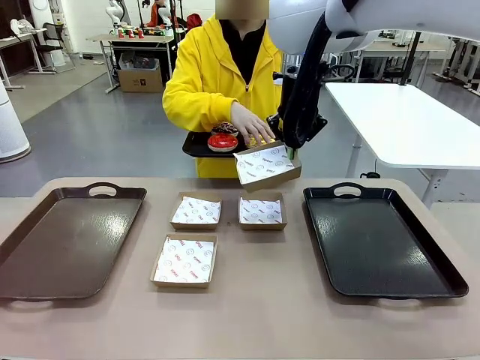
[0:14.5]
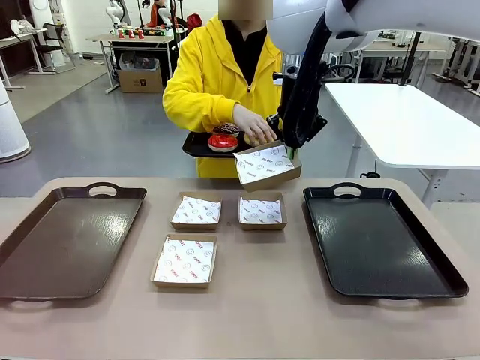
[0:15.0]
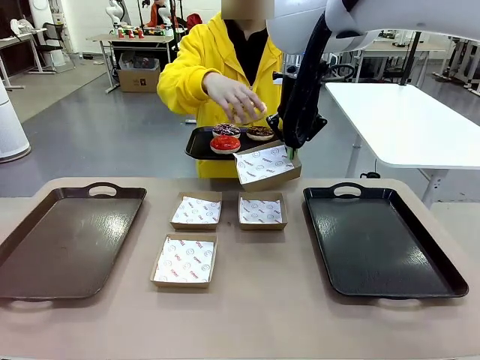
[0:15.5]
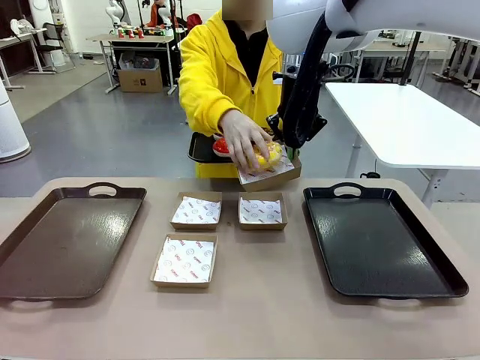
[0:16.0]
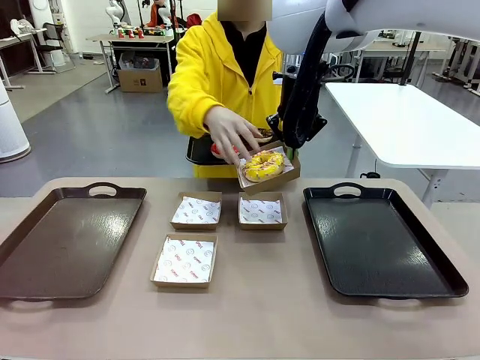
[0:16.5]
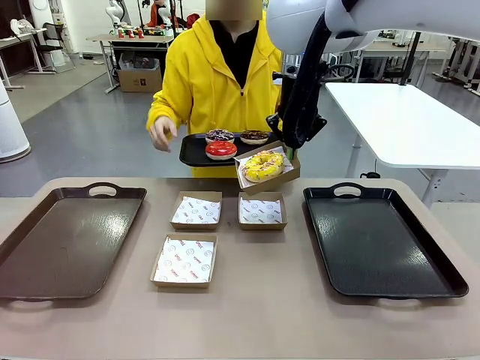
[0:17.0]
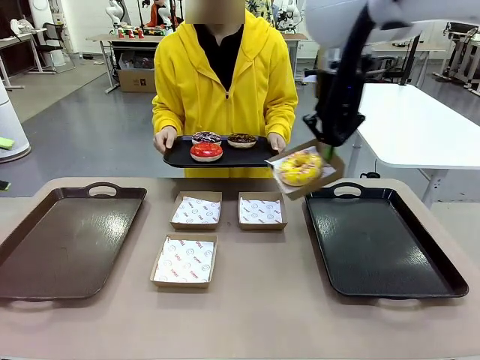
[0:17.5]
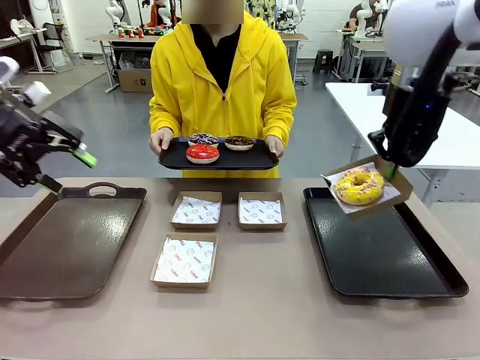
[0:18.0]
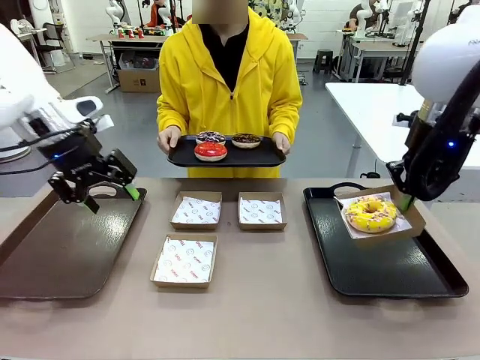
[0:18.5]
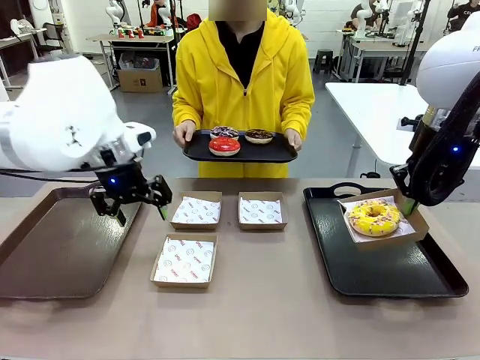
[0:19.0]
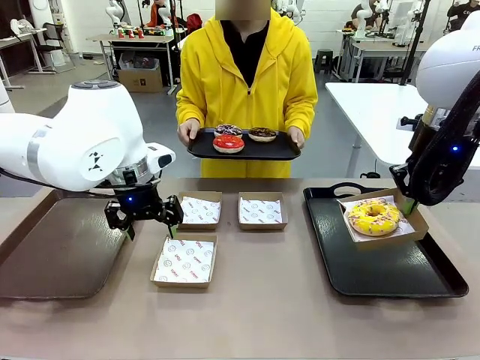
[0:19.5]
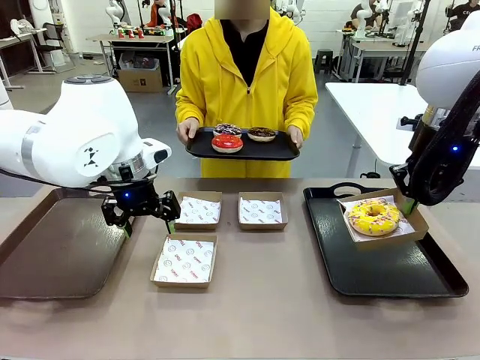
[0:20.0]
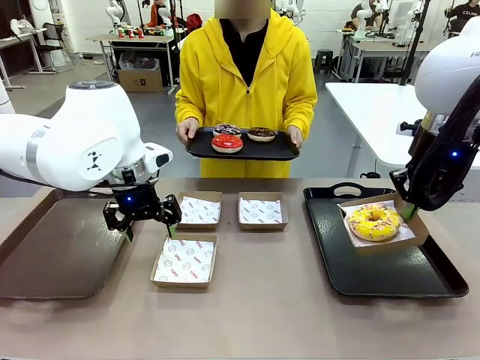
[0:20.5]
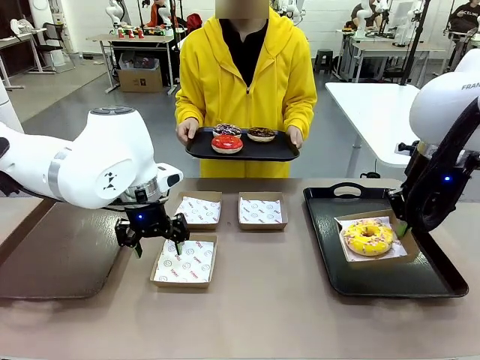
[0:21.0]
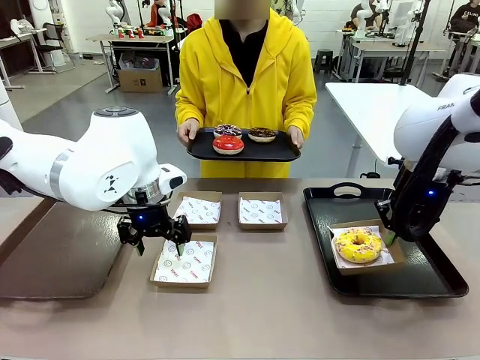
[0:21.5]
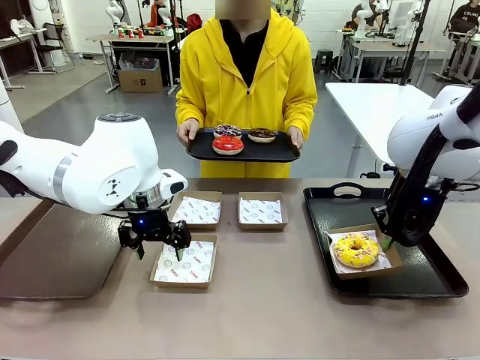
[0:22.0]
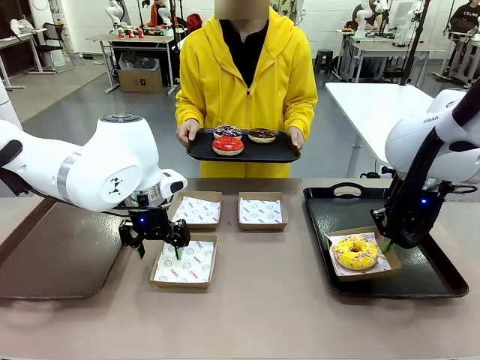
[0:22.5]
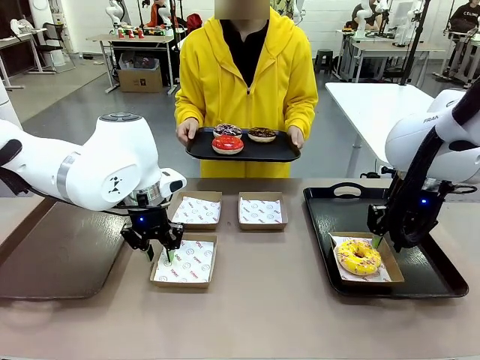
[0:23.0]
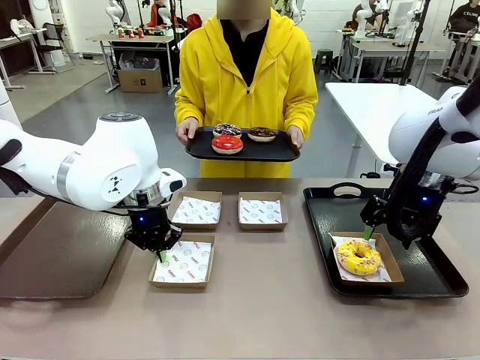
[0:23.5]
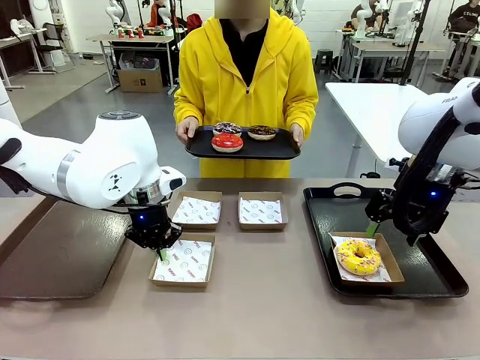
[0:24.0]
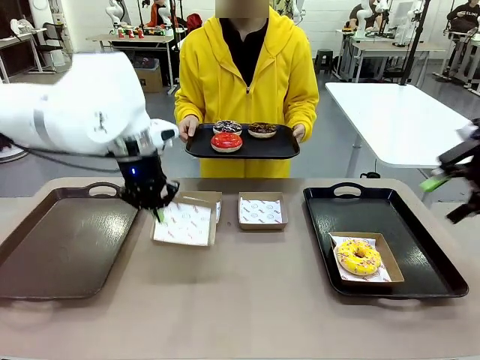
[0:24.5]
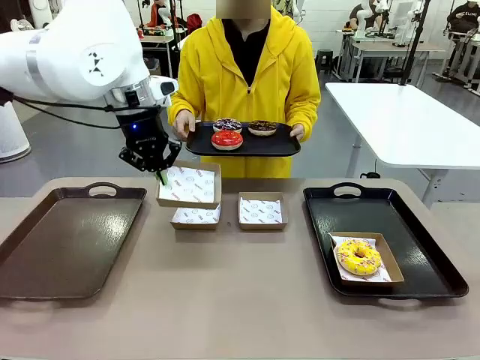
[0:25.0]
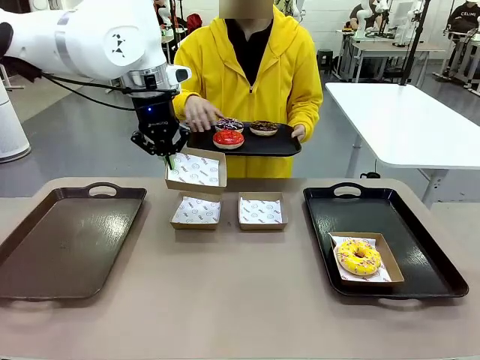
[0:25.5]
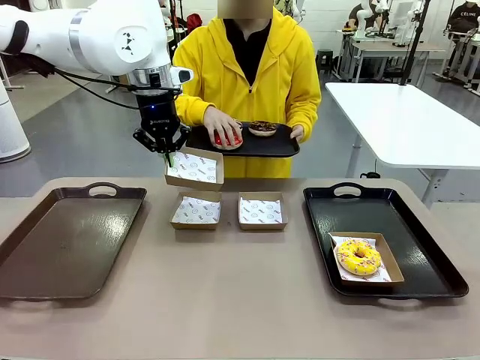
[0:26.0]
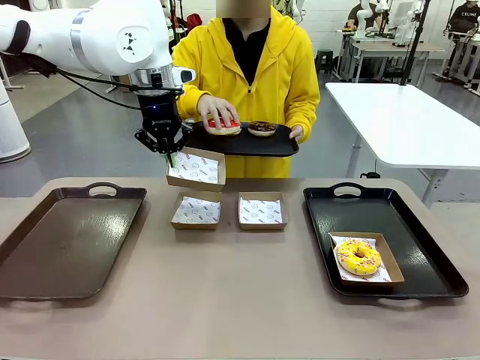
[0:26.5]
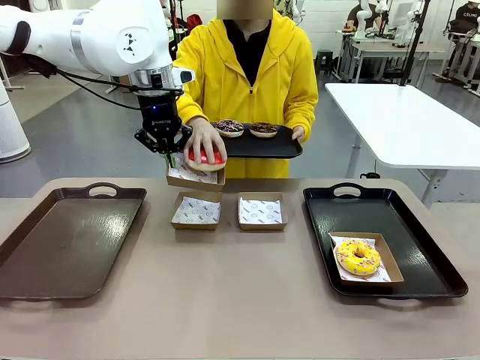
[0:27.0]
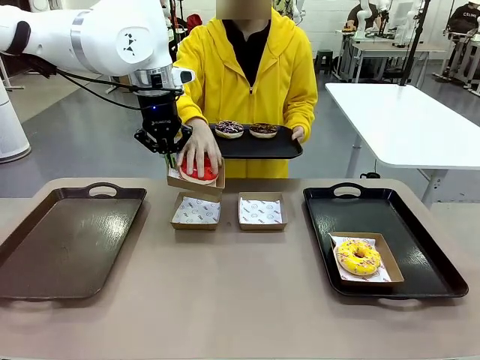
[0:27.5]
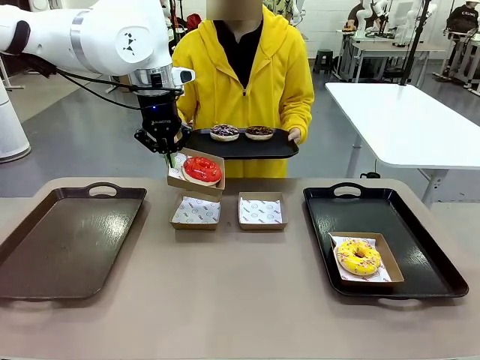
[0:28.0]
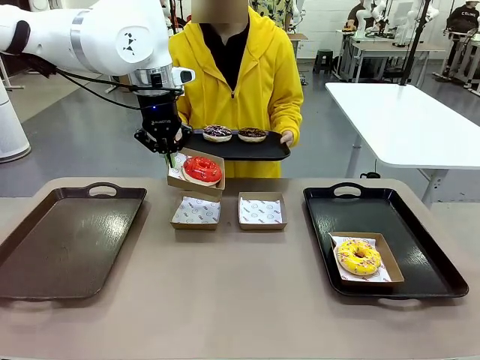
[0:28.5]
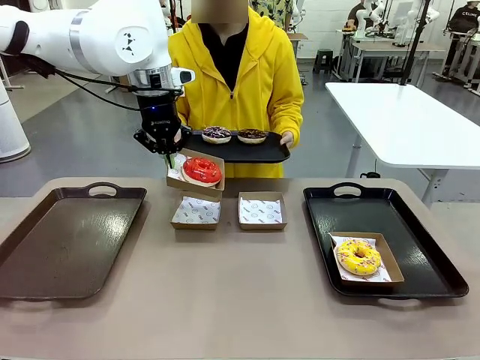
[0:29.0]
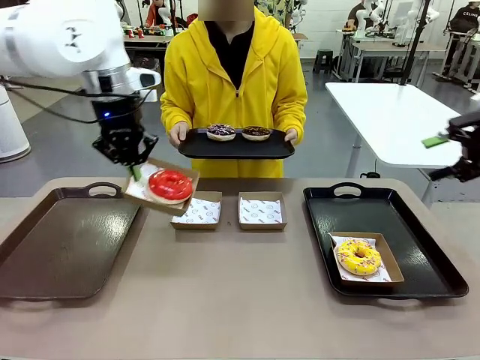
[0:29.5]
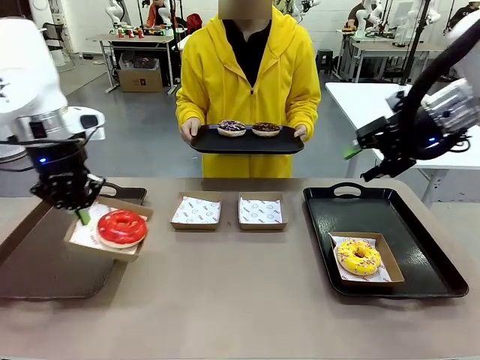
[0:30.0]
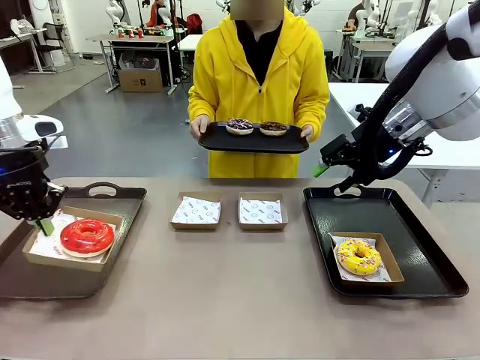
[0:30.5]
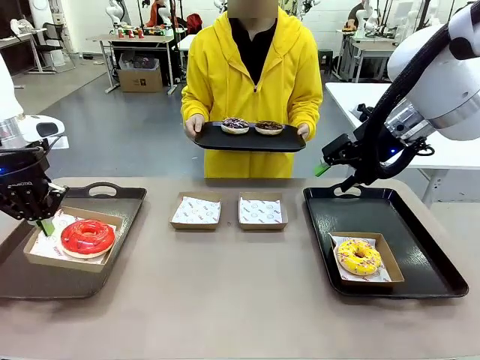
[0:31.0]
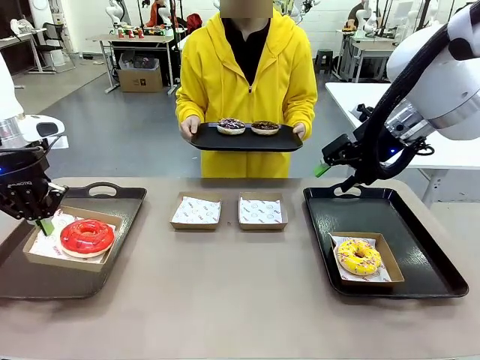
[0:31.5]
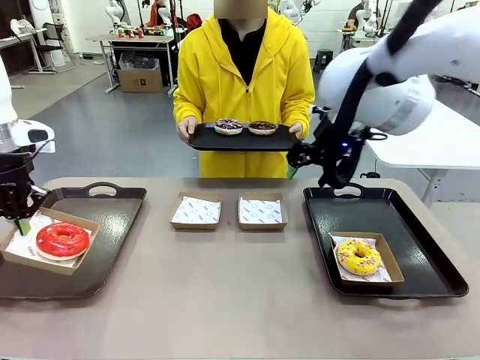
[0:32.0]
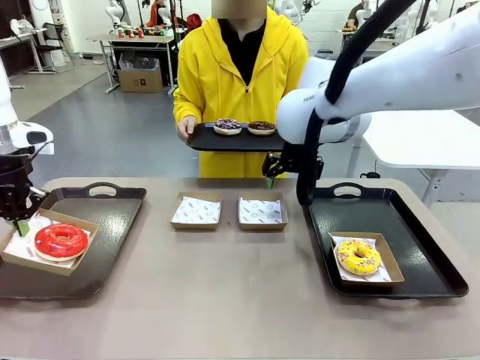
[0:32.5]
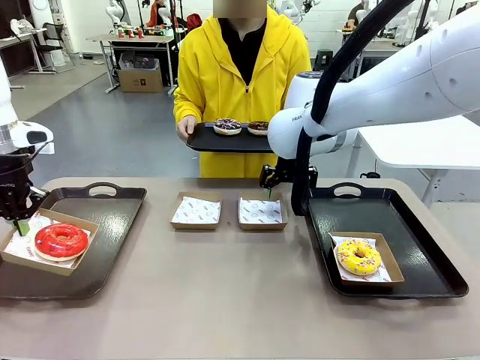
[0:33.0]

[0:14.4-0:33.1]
Task: Individually package the donuts and arrange them on the tray.
Robot: Place the picked Paper togo box on the Handle tray while simultaneously picking up another Paper togo box from the table with the other hand.

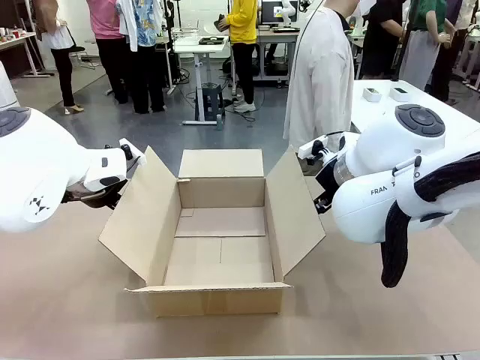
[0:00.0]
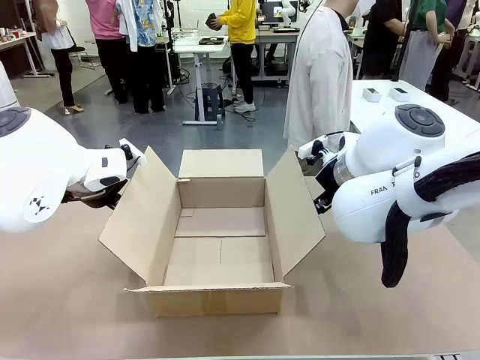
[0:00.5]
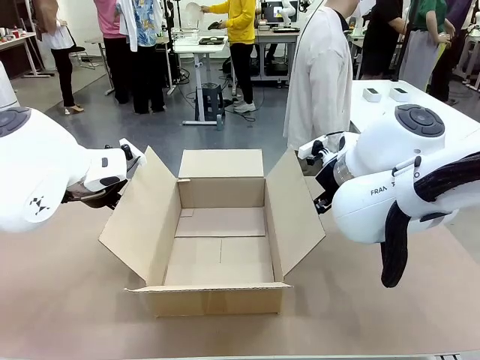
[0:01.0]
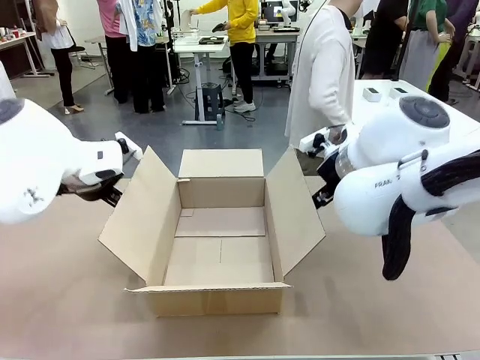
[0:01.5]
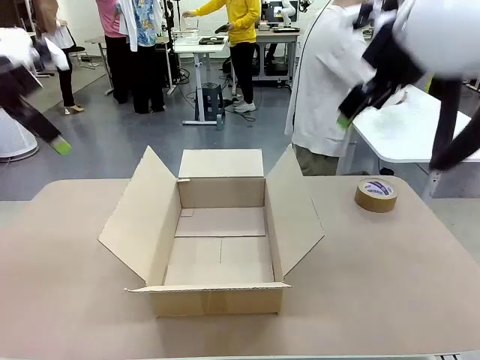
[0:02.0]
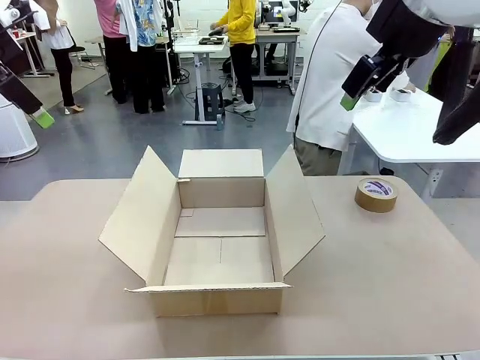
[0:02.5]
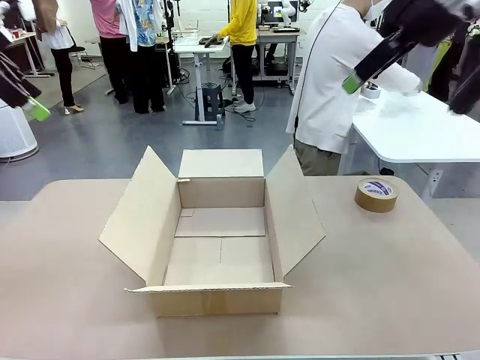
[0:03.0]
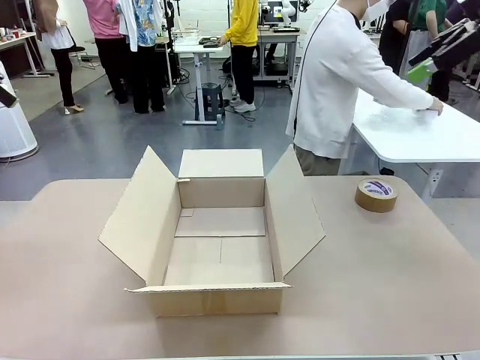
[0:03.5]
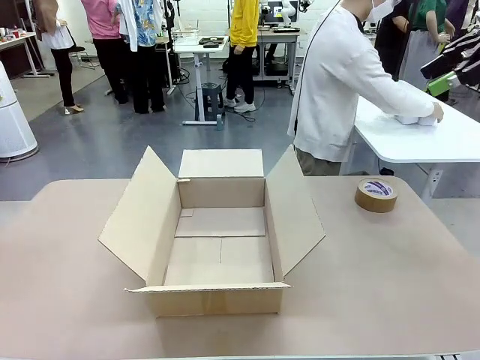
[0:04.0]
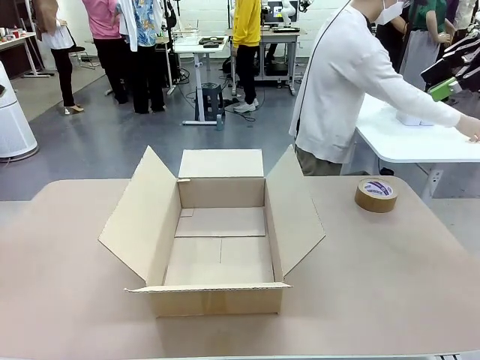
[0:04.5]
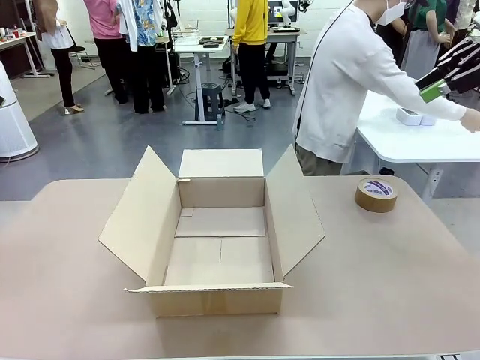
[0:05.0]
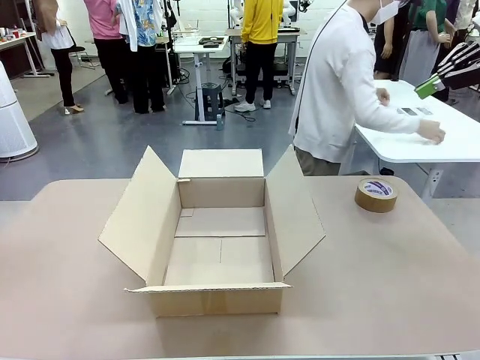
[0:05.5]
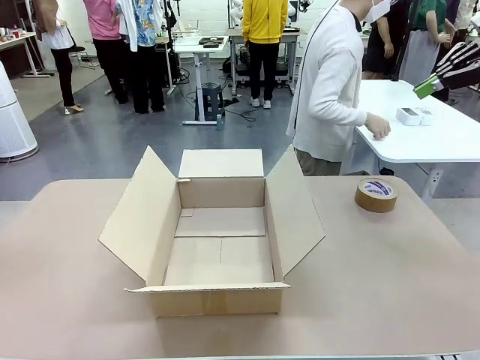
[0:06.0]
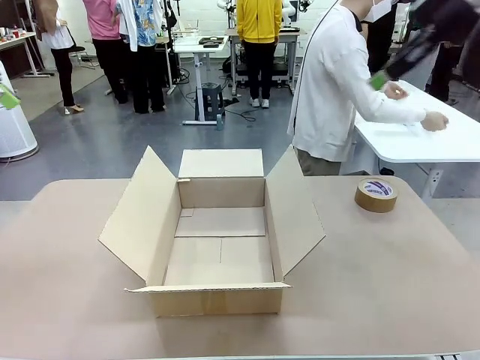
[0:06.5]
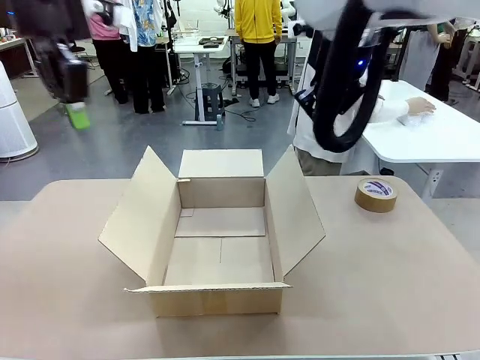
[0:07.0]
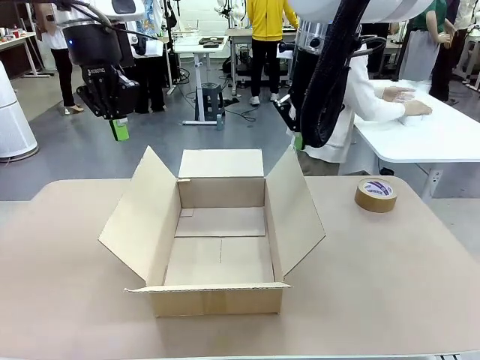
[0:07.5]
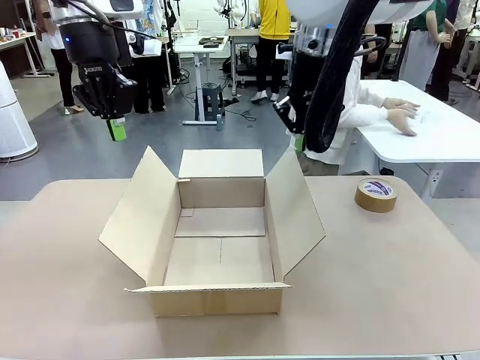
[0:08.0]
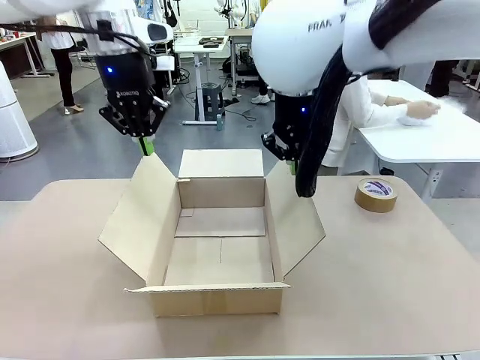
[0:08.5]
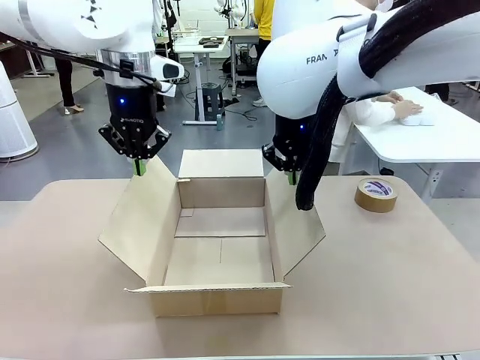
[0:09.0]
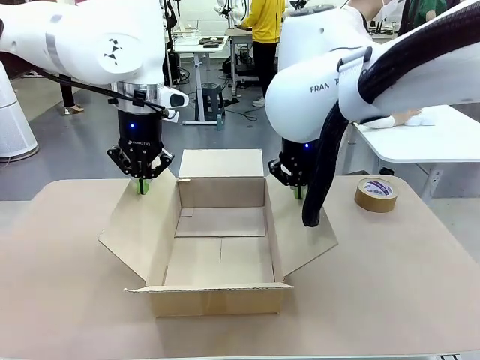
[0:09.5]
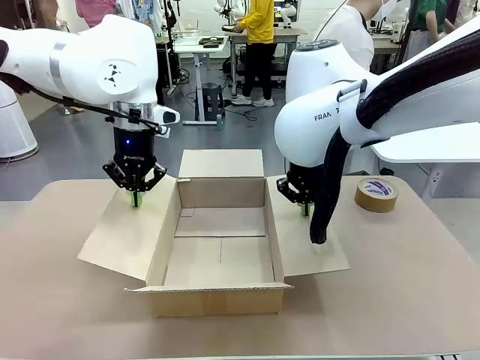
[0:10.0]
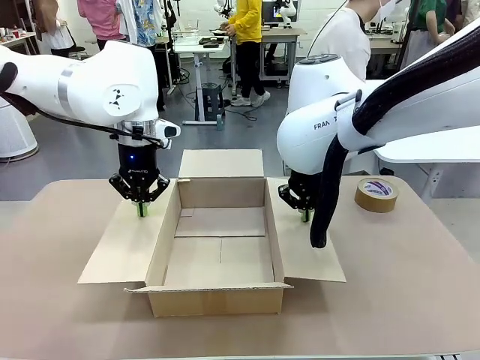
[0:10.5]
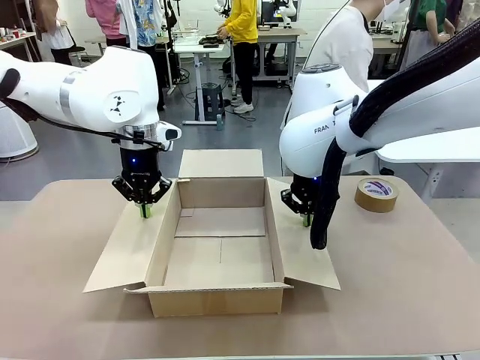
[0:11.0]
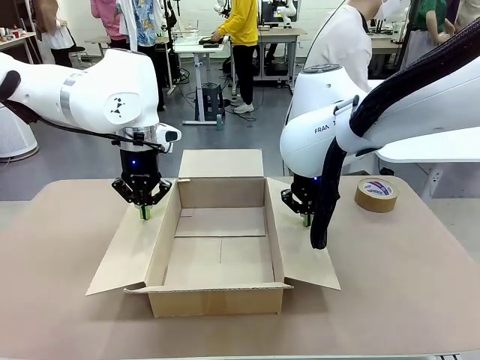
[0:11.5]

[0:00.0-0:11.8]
Task: Wrap the clocks to prevent damage.
Robot: Open the side flaps of the Package Box.
Person: Wrap the two Digital clocks with Bubble Wrap.
